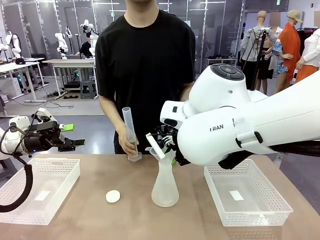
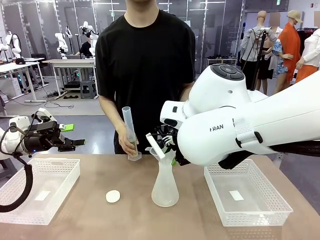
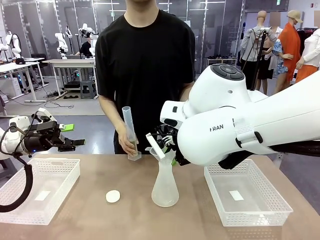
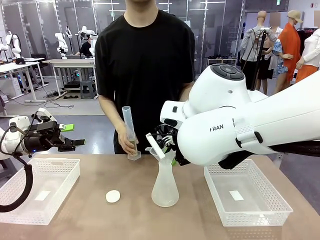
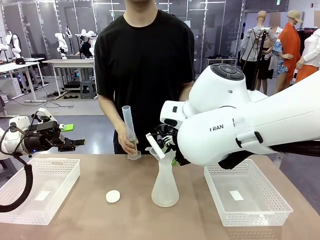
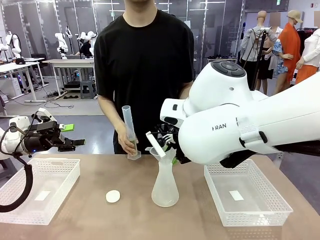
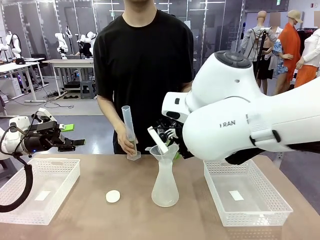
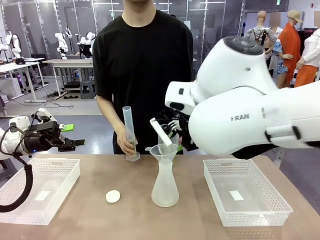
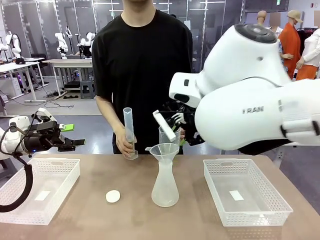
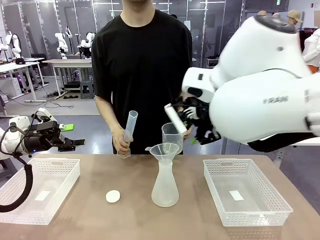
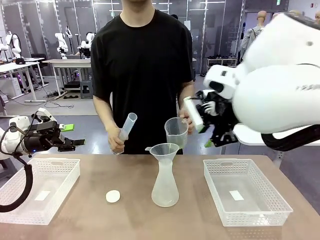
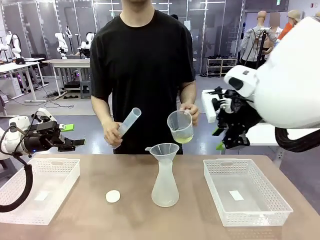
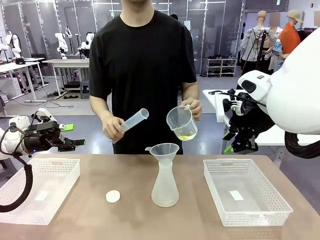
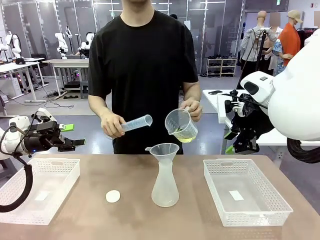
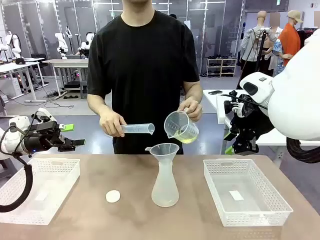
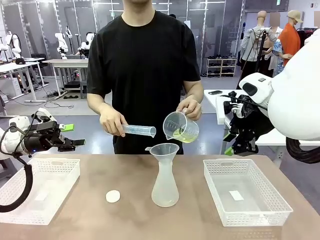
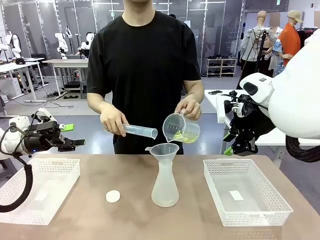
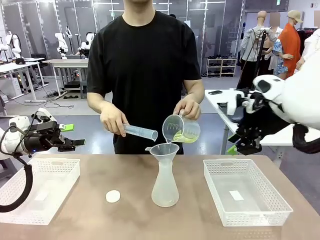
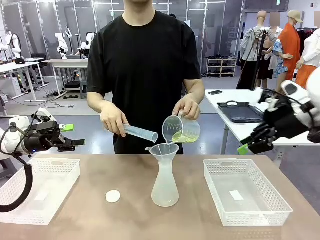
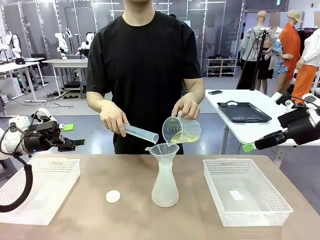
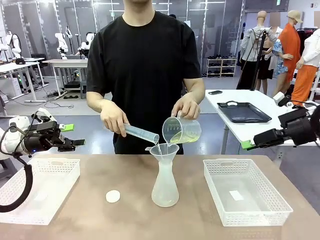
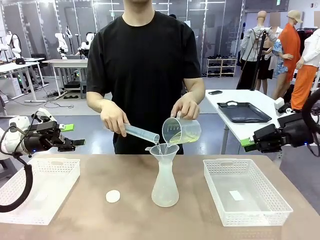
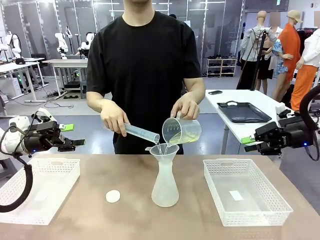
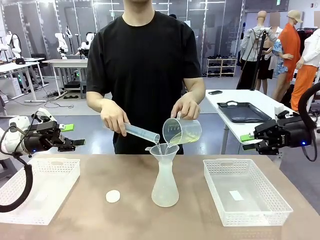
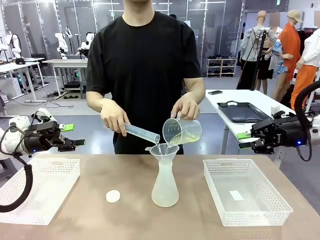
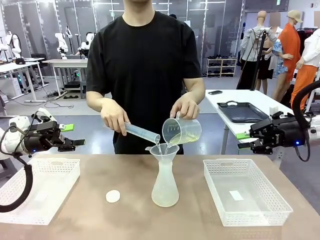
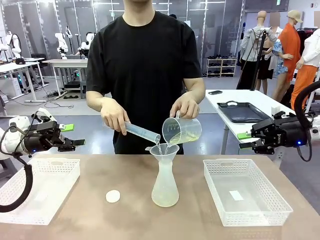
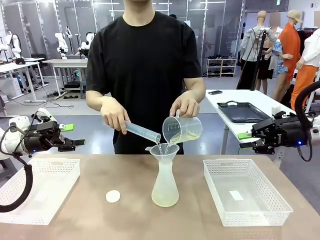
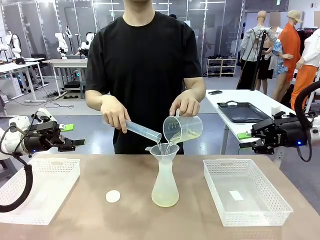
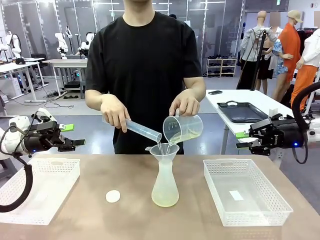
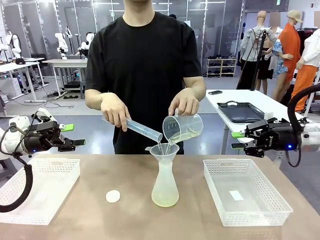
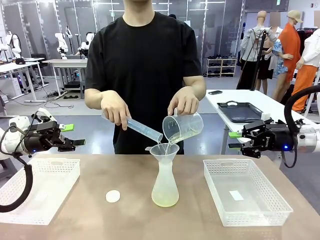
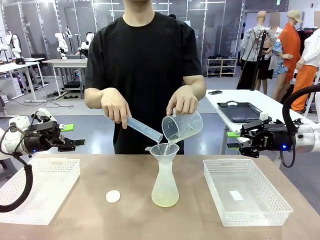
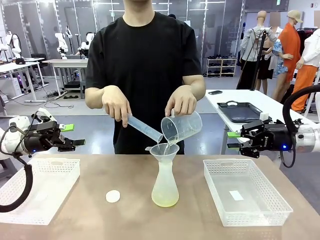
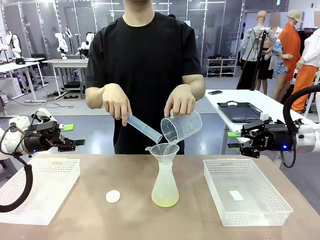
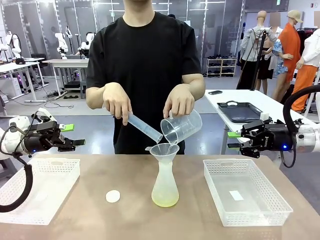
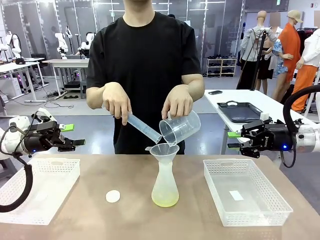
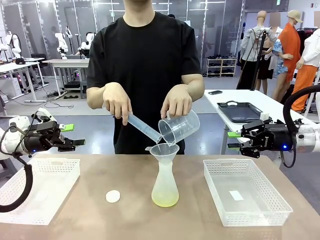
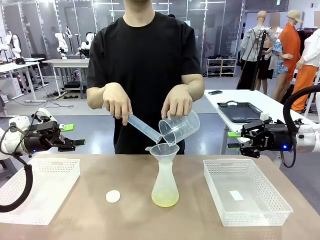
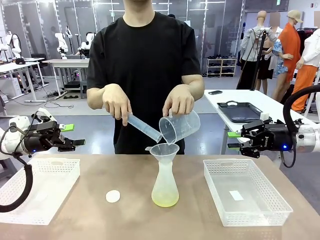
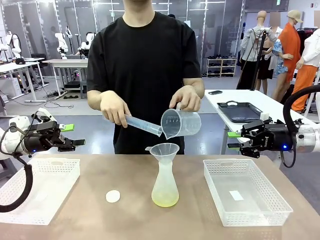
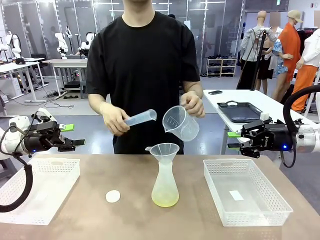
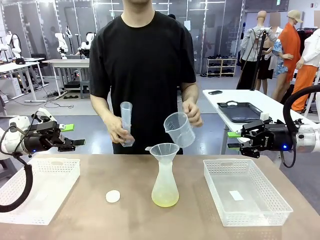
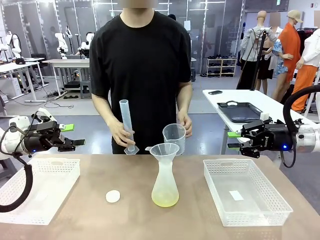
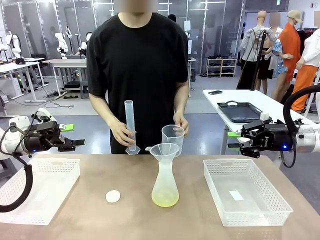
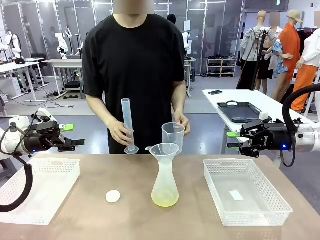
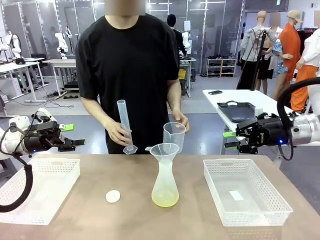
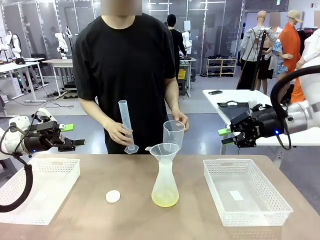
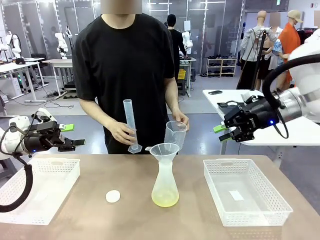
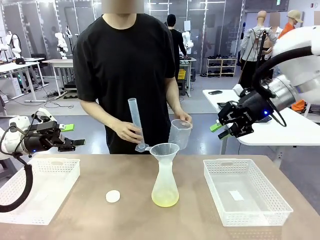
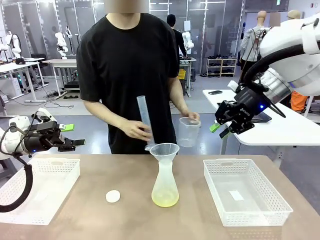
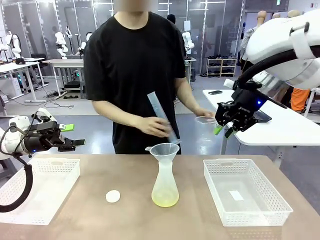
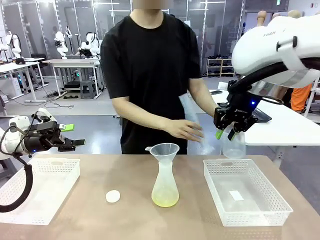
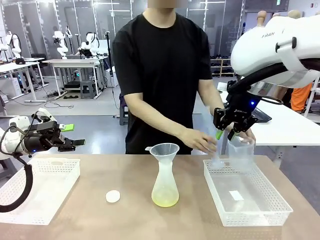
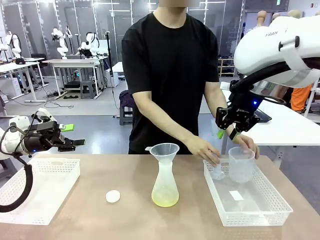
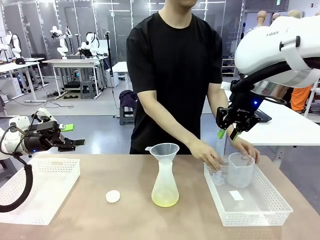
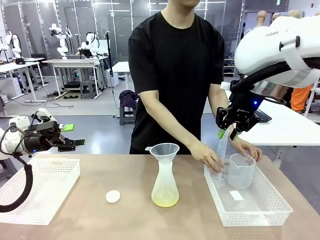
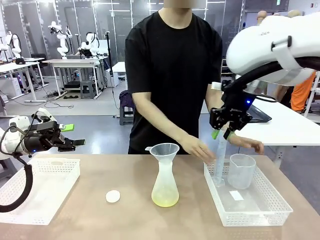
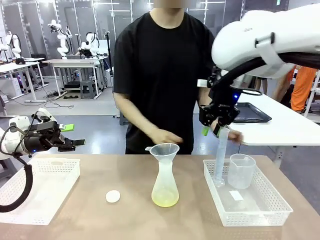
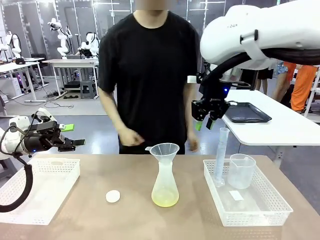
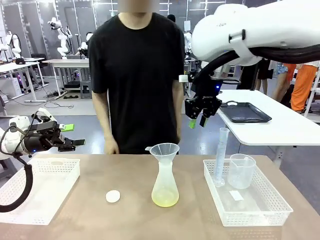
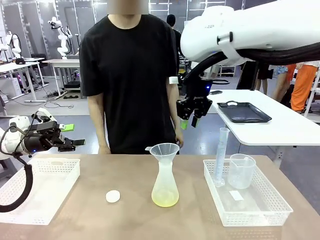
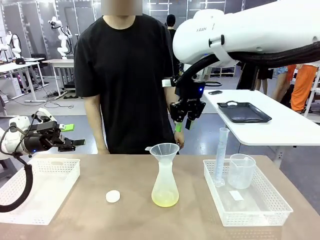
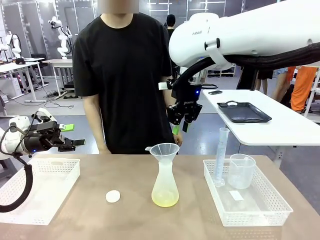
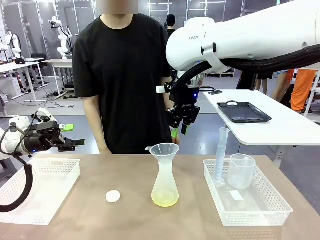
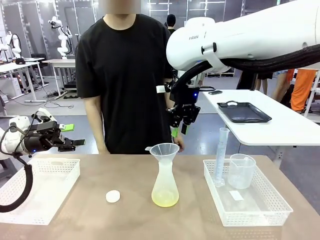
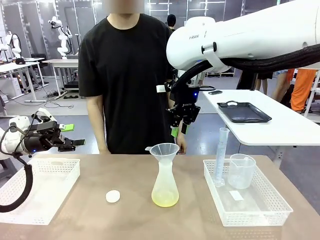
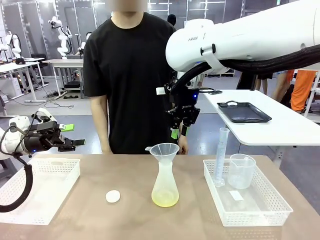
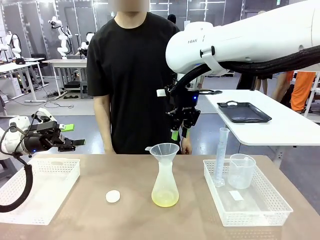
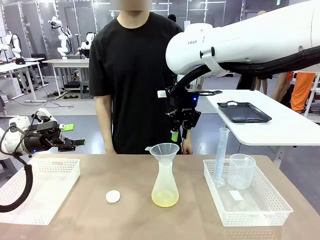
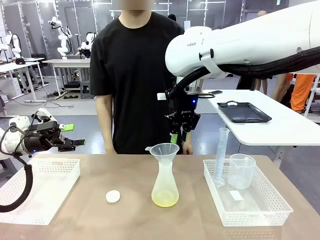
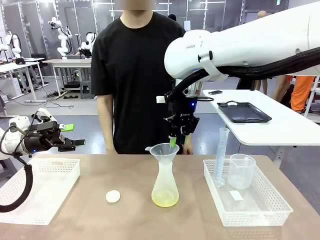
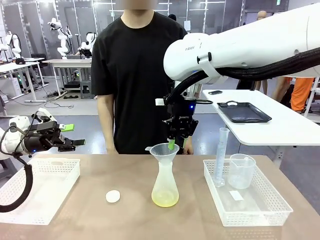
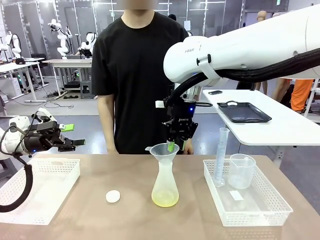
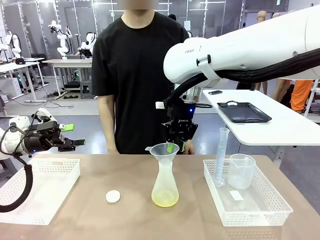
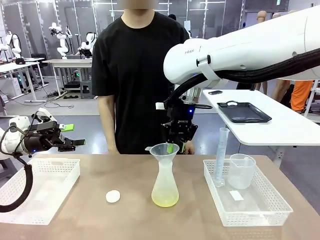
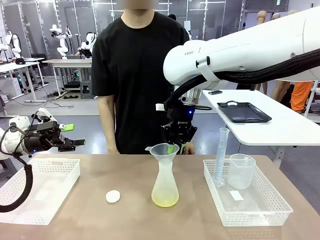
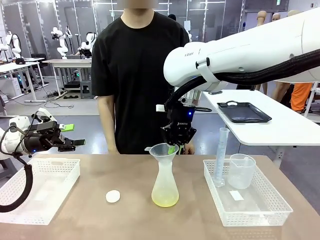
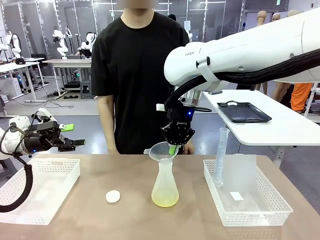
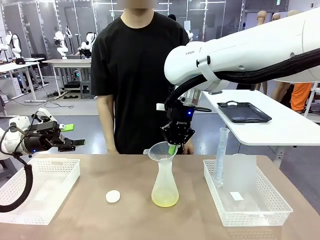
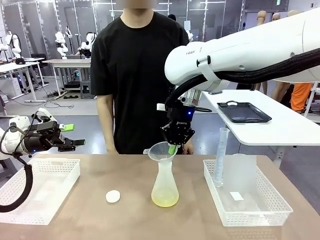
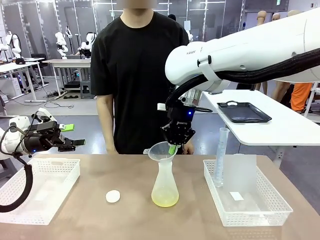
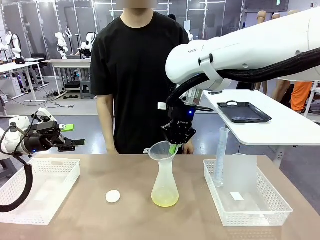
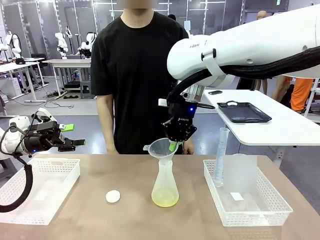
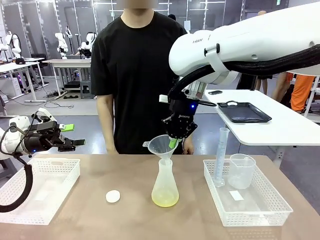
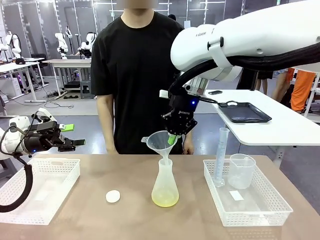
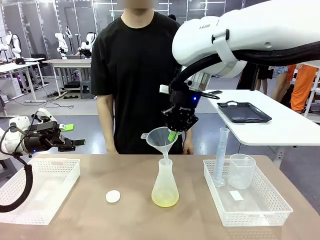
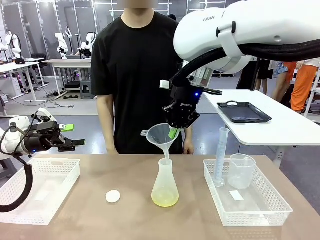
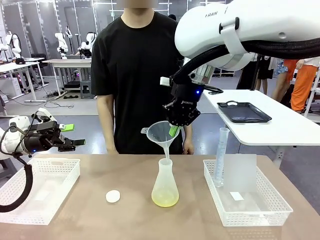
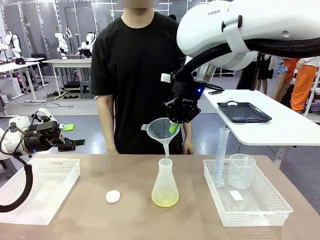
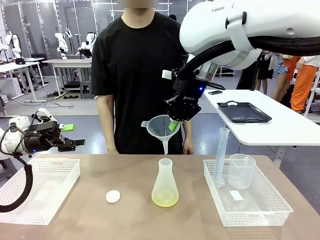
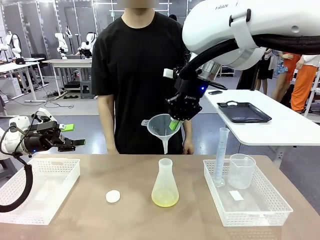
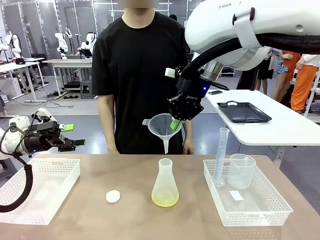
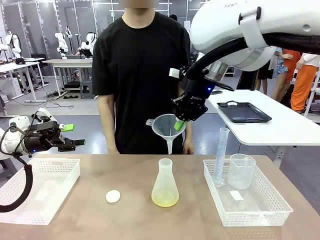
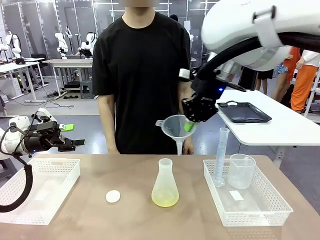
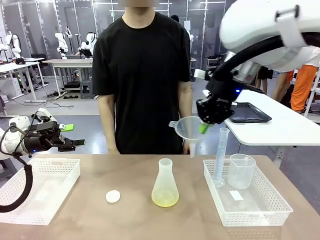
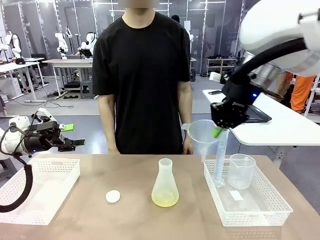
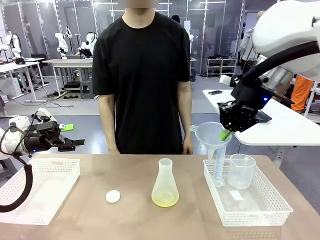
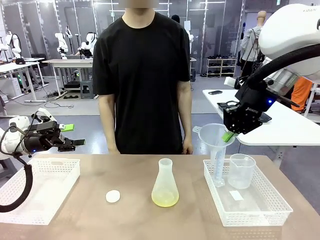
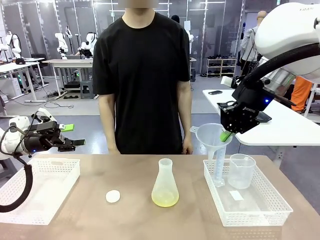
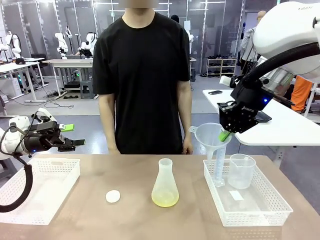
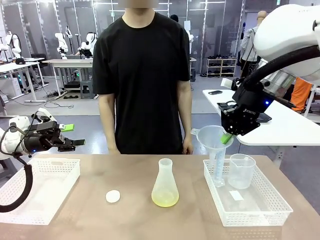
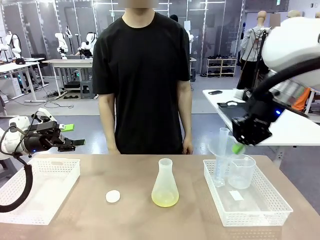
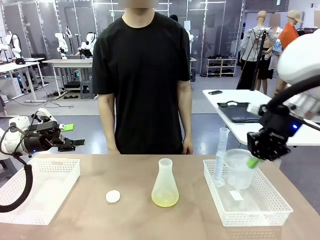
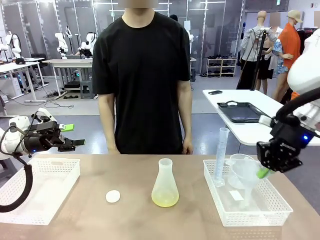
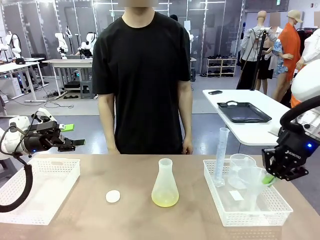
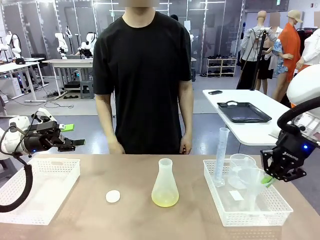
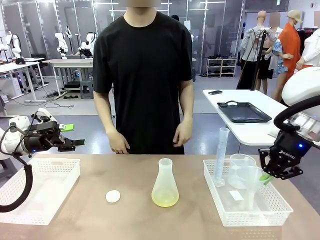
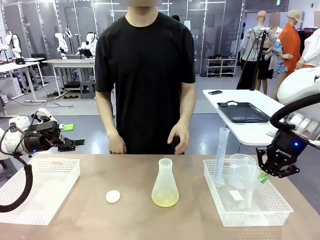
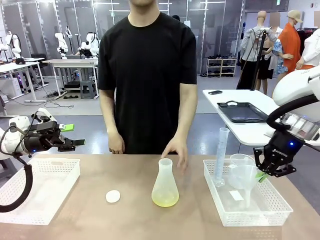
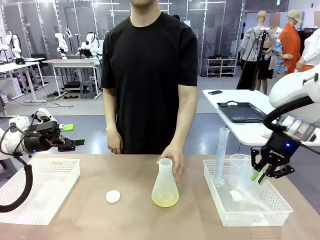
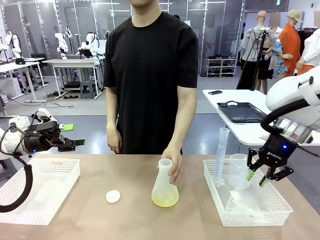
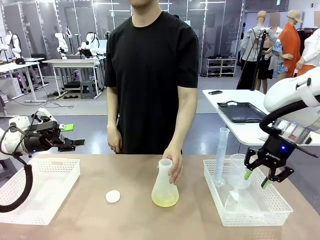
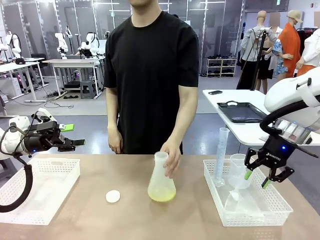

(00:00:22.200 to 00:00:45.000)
Task: Prepare the solutions needed for the experiment.
Robot: Once the solution is in the Big flask , pick up the Plastic Funnel and place it back into the right Organizing basket.
Person: Place the beaker and the cylinder into the organizing basket on the left side. Pick up the flask, gently shake it 2–3 times, place it in the middle of the robot table, and close the lid.
